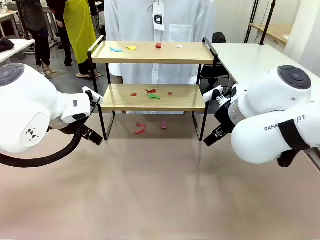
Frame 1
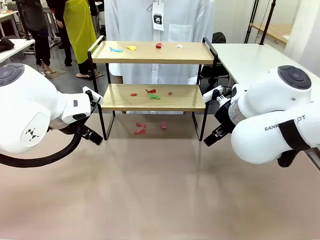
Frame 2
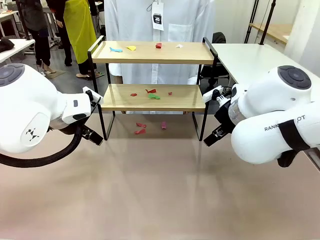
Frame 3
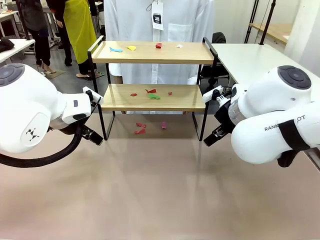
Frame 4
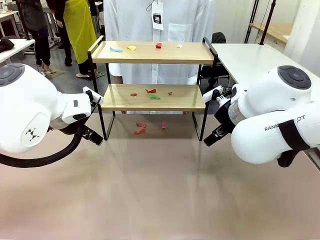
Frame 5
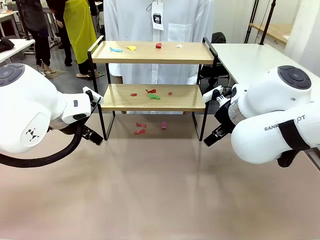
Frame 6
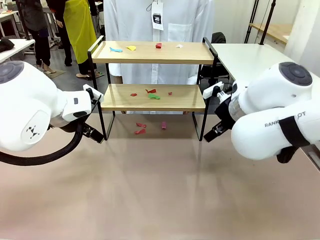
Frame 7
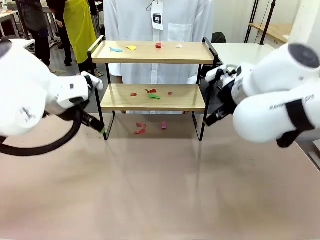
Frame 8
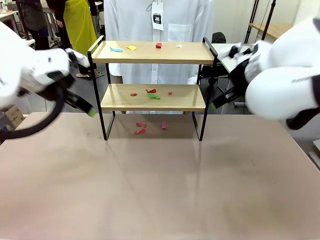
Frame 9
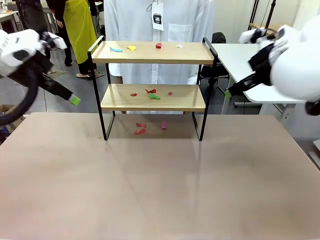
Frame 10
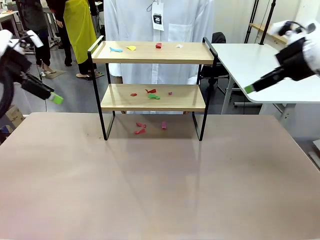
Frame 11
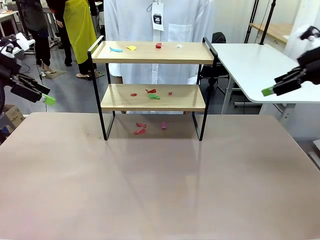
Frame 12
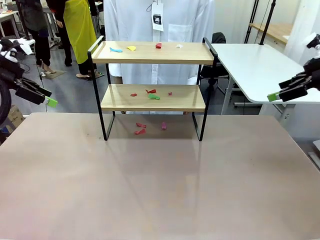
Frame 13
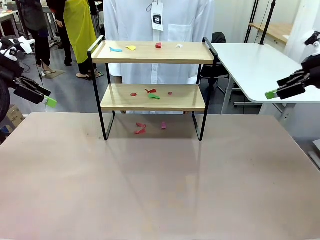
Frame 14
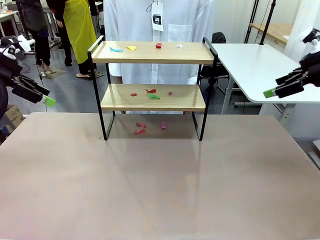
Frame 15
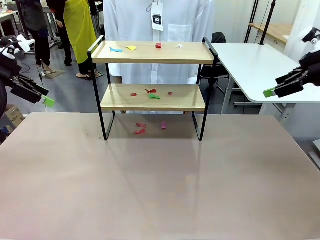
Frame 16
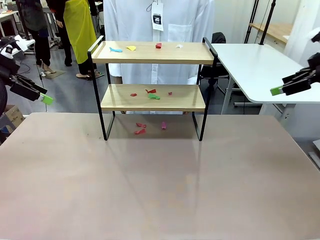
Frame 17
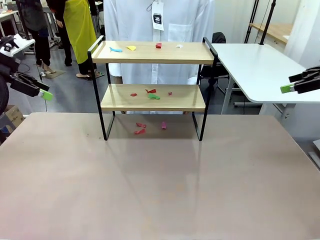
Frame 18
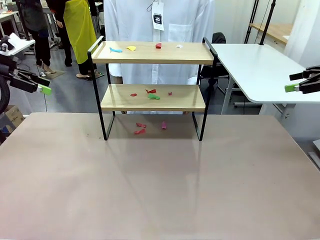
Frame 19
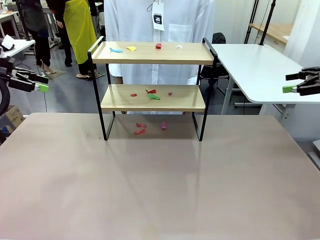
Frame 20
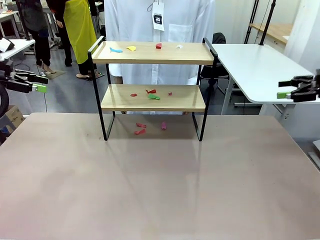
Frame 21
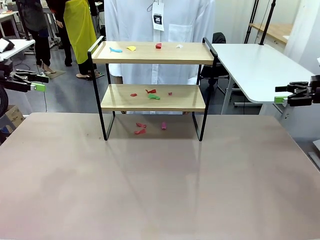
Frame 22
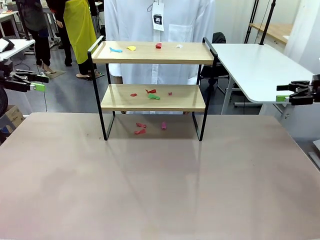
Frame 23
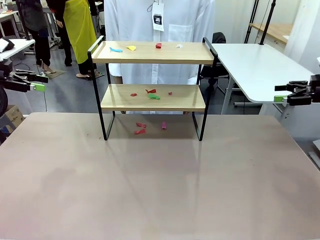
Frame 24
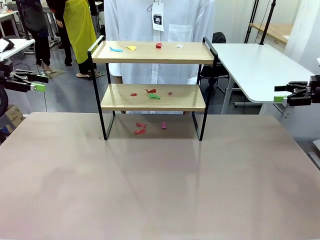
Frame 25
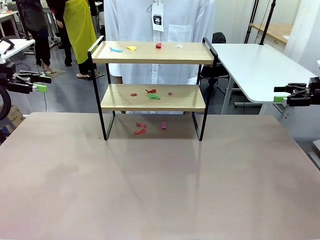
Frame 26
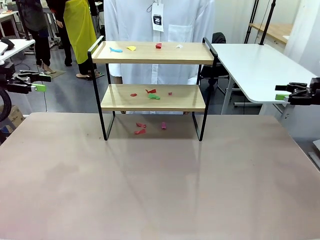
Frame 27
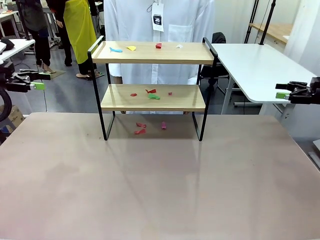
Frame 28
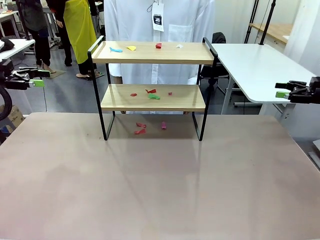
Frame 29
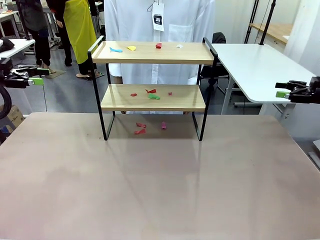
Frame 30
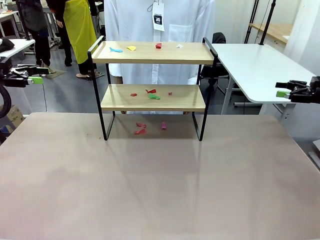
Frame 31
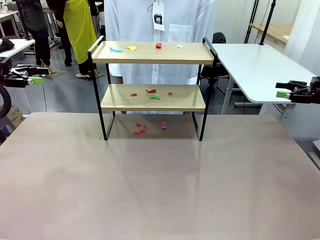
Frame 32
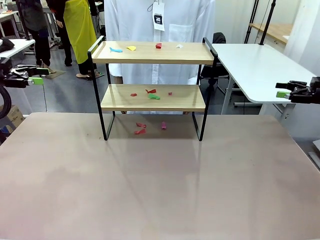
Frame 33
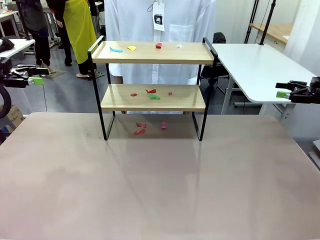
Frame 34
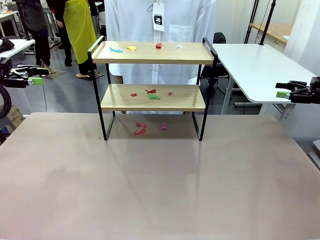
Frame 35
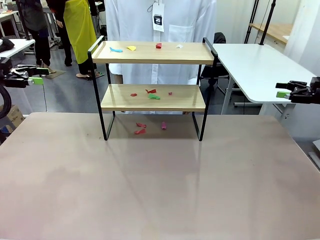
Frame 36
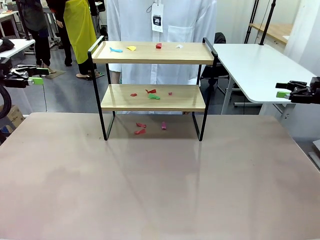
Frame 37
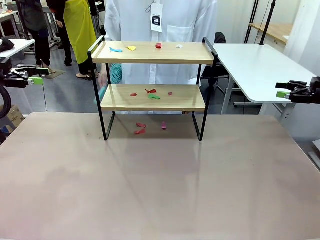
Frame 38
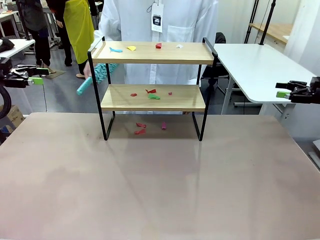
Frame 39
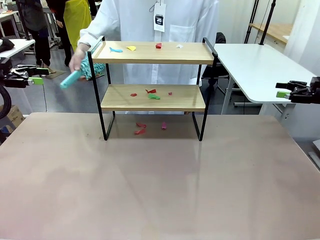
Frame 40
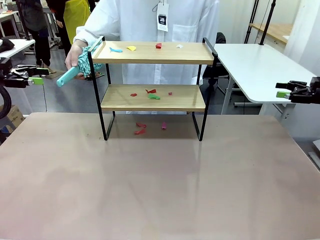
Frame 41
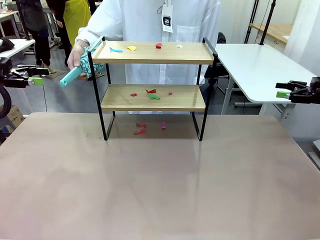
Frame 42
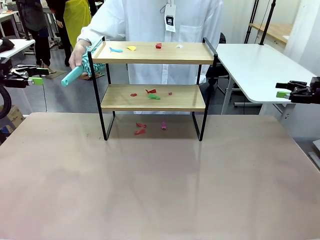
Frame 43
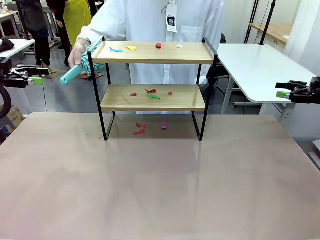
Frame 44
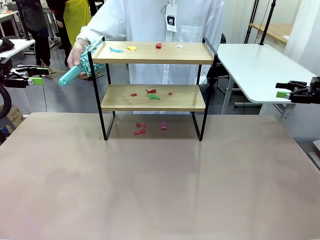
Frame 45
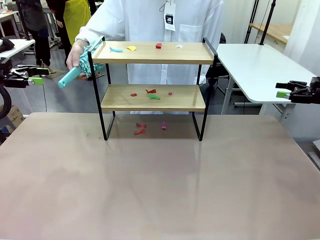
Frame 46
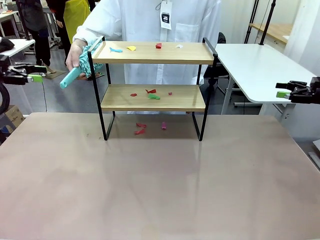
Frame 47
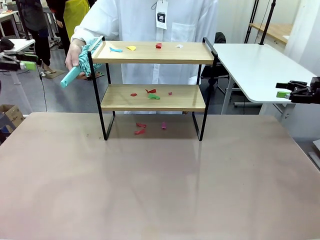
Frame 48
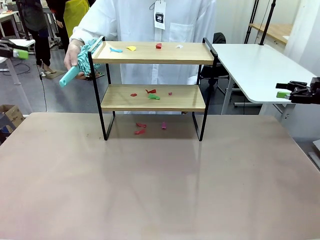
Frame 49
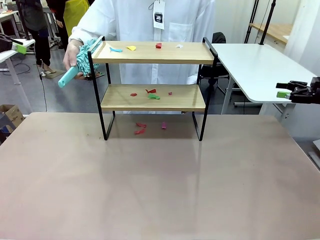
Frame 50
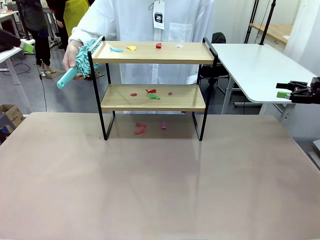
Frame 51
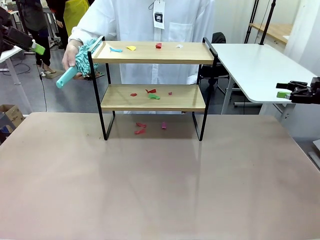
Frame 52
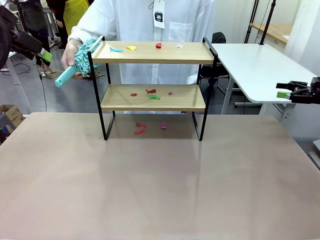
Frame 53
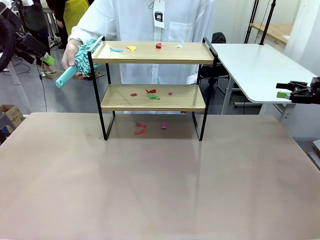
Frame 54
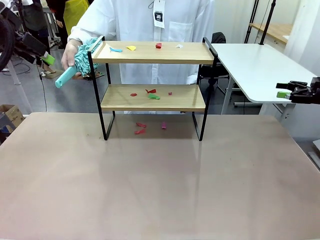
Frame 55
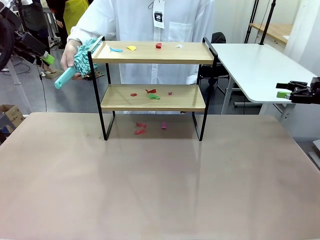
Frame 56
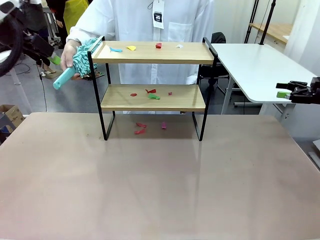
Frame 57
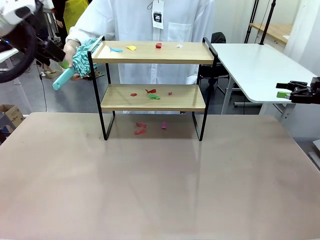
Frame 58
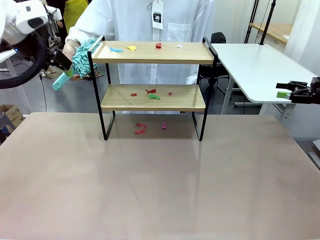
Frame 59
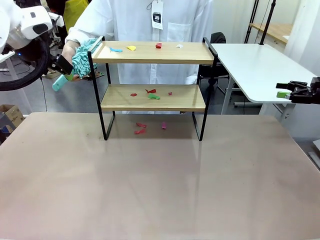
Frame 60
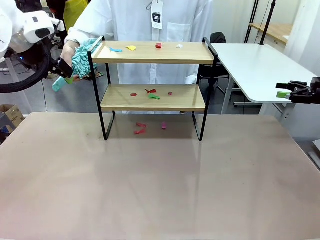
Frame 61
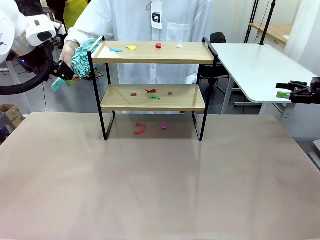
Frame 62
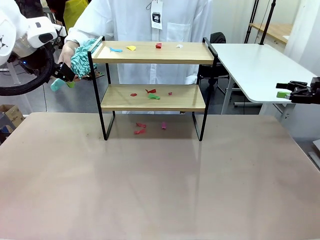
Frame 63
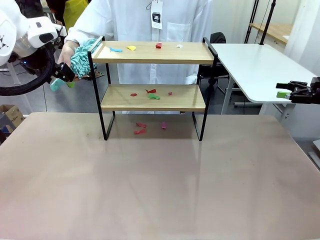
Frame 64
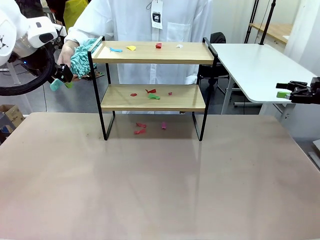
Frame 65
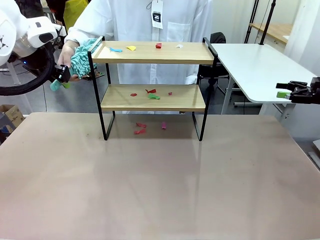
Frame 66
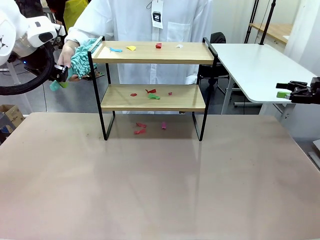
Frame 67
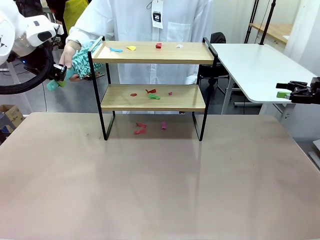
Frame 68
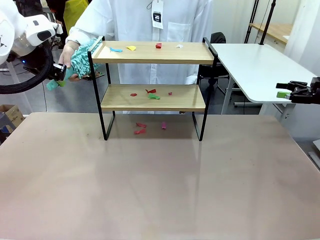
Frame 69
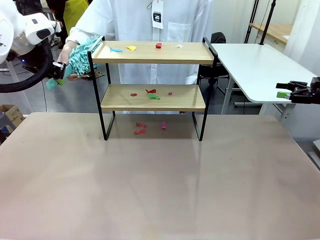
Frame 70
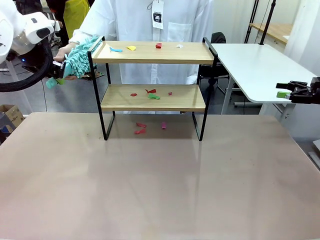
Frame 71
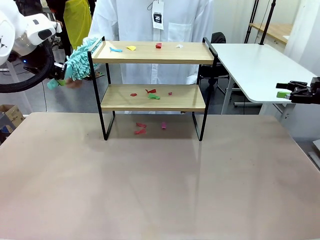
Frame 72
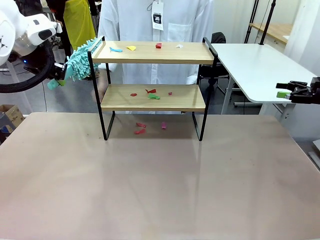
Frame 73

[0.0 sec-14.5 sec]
Task: Clean the shelf.
Robot: Pick up the Duster handed by the human.
Person: Hand the Duster to the robot.
